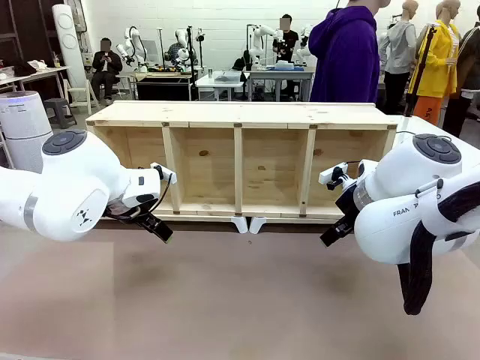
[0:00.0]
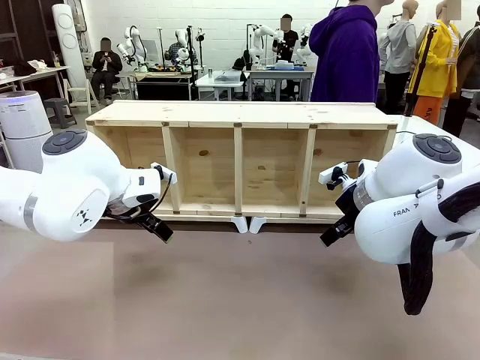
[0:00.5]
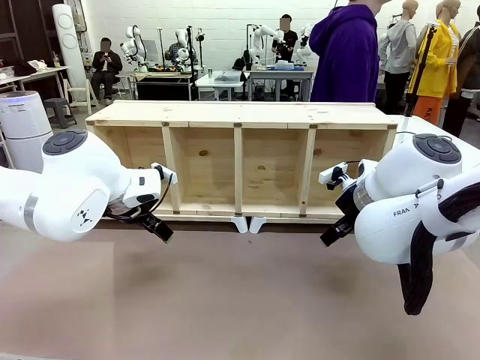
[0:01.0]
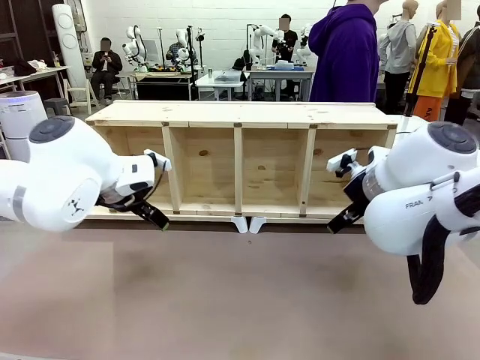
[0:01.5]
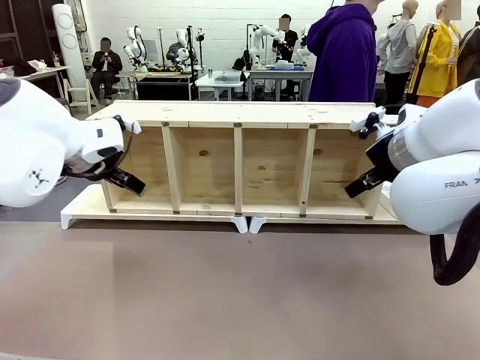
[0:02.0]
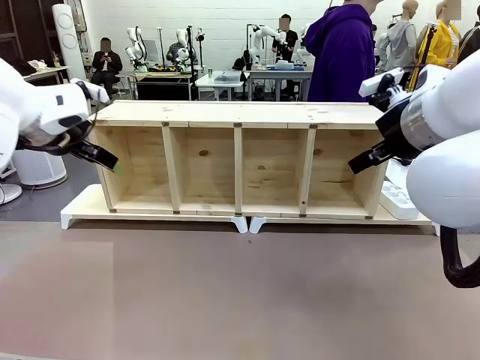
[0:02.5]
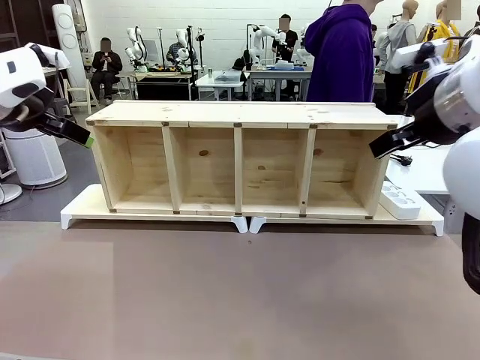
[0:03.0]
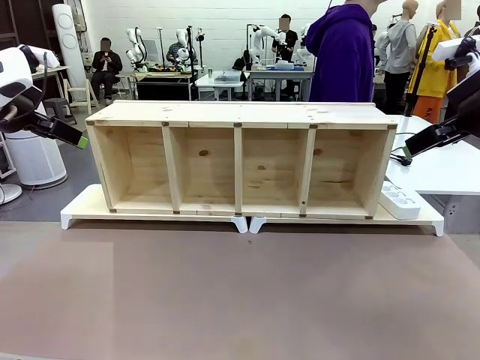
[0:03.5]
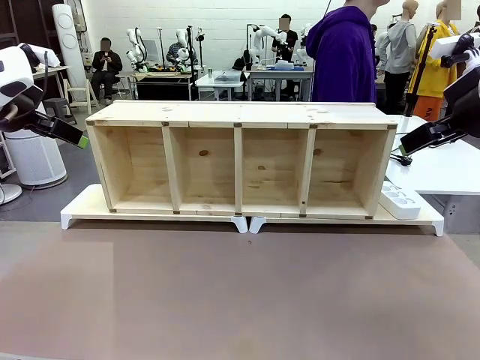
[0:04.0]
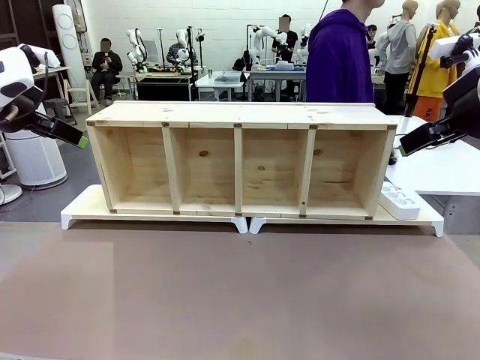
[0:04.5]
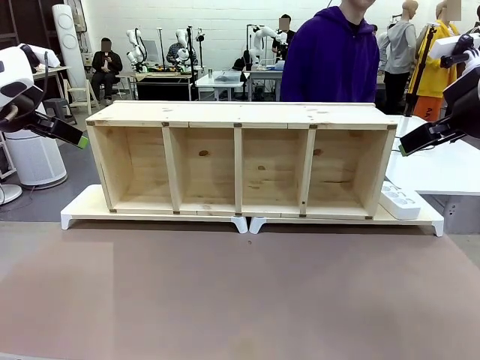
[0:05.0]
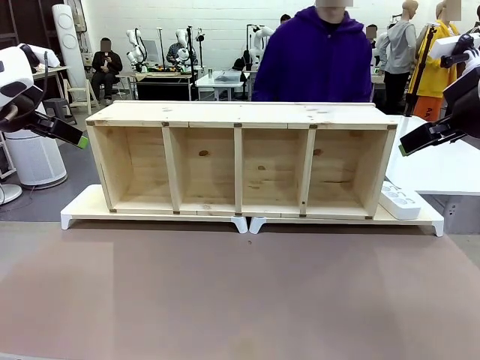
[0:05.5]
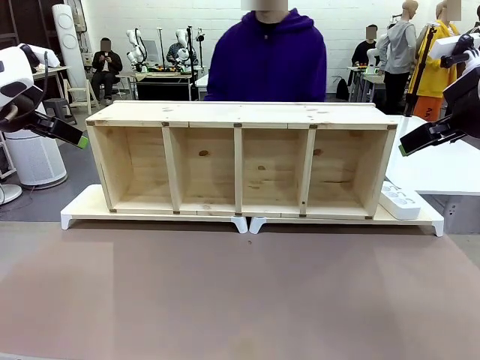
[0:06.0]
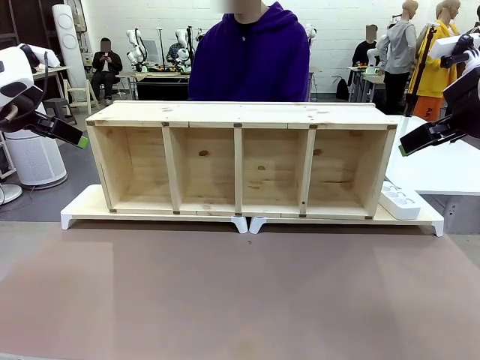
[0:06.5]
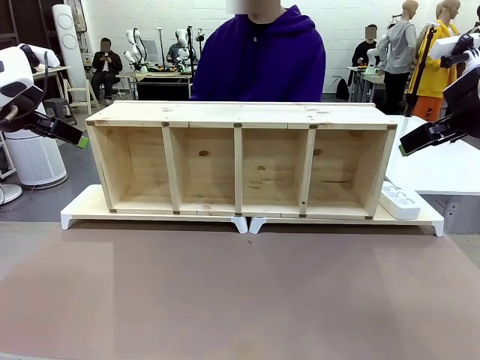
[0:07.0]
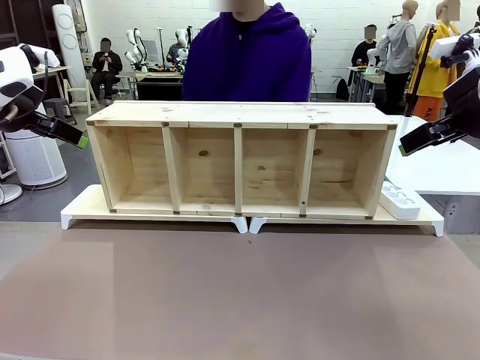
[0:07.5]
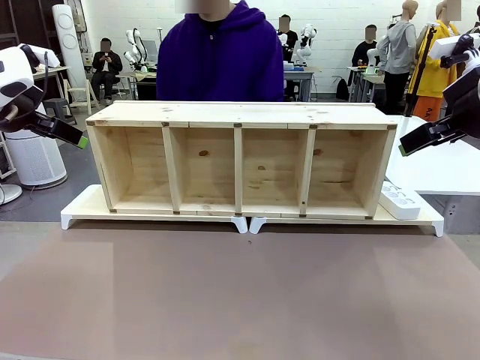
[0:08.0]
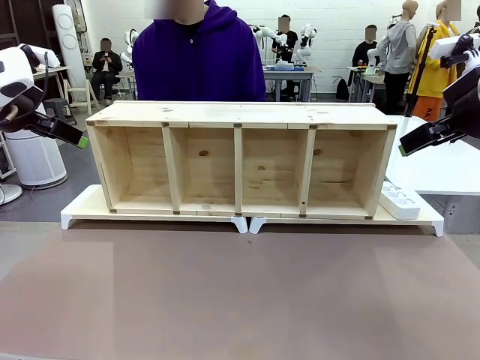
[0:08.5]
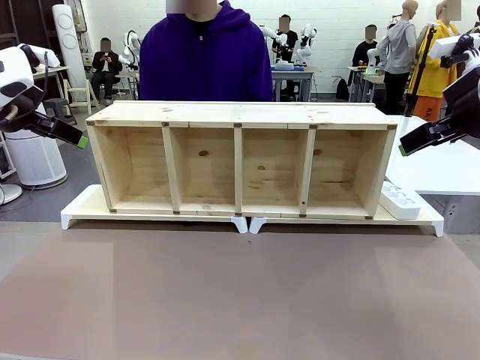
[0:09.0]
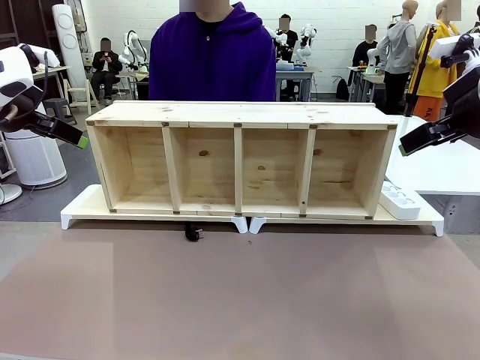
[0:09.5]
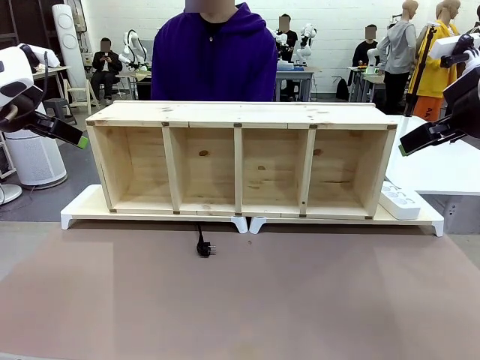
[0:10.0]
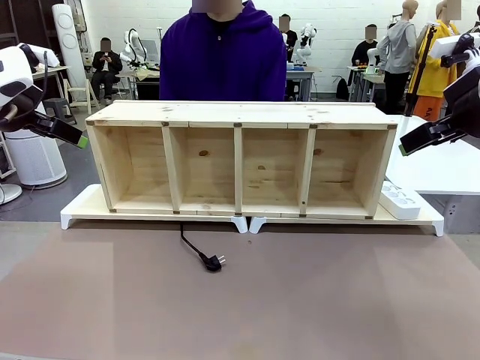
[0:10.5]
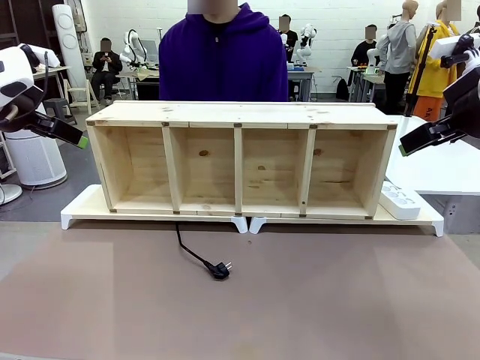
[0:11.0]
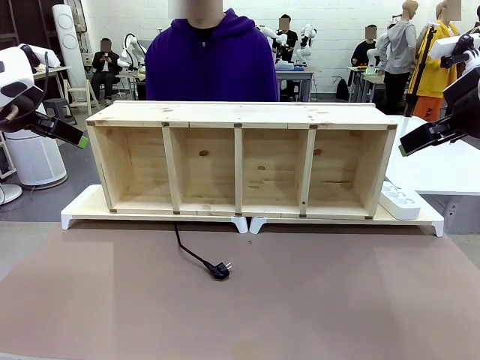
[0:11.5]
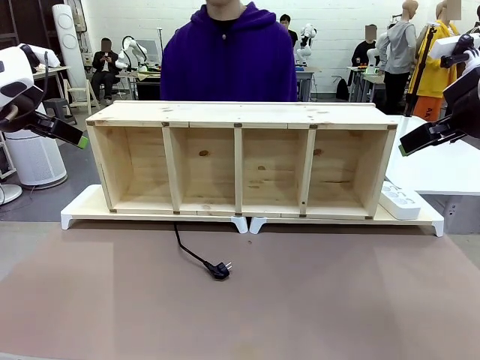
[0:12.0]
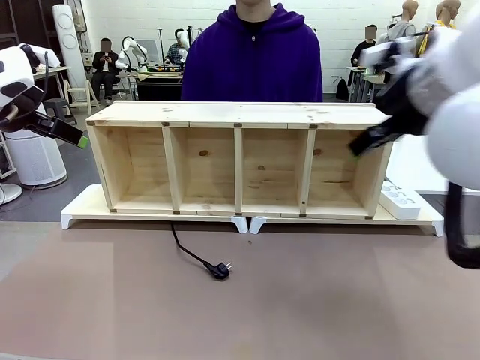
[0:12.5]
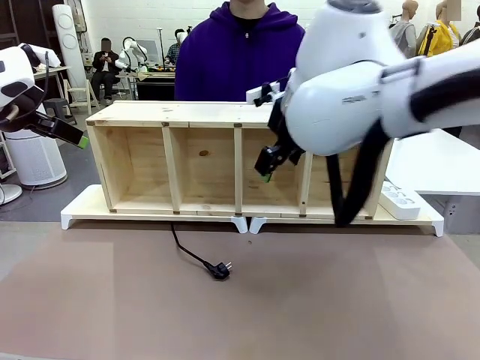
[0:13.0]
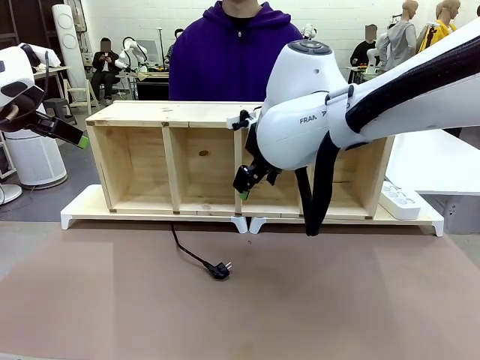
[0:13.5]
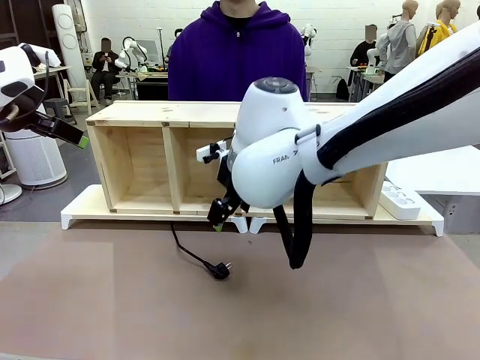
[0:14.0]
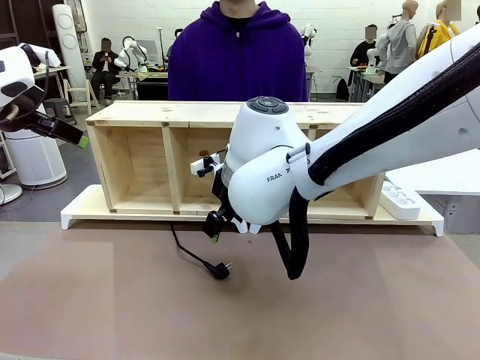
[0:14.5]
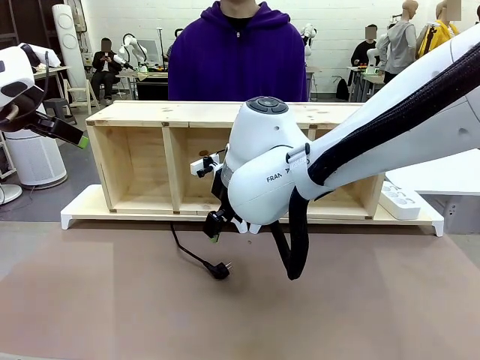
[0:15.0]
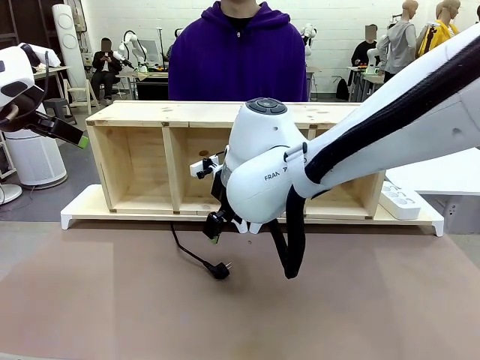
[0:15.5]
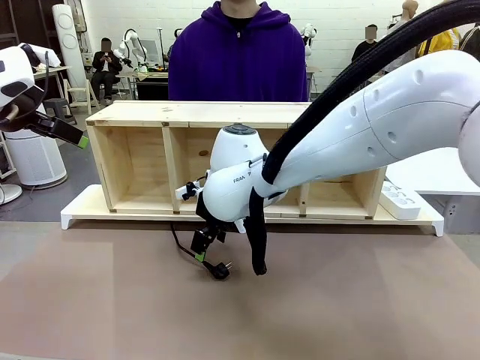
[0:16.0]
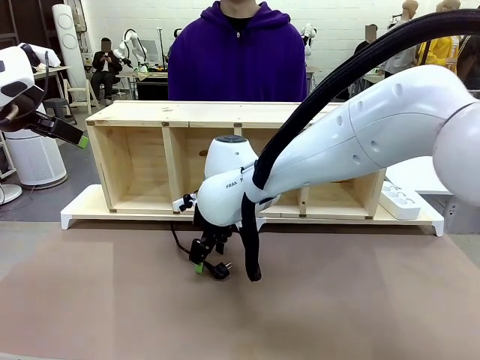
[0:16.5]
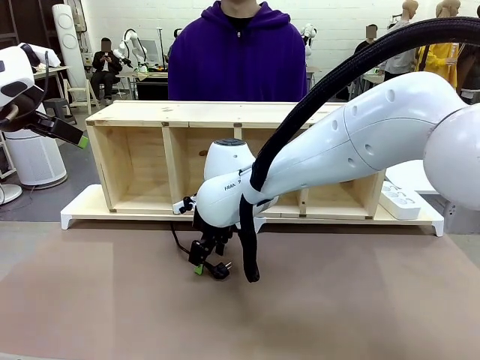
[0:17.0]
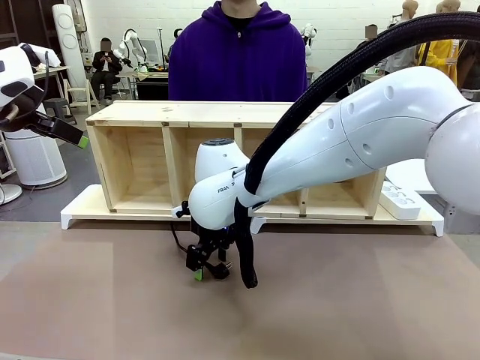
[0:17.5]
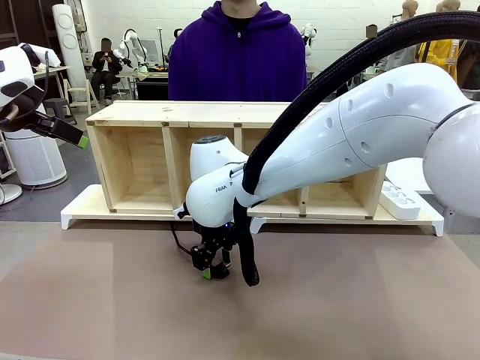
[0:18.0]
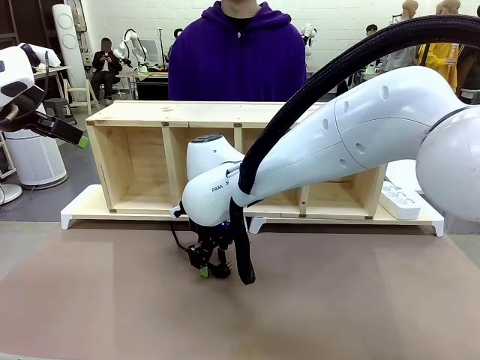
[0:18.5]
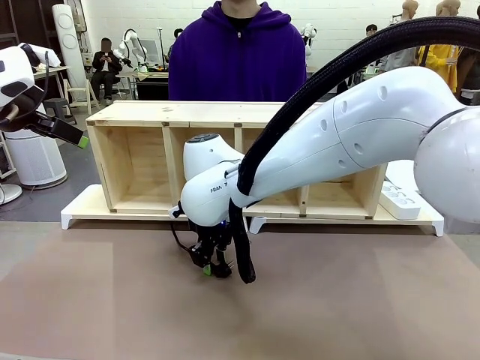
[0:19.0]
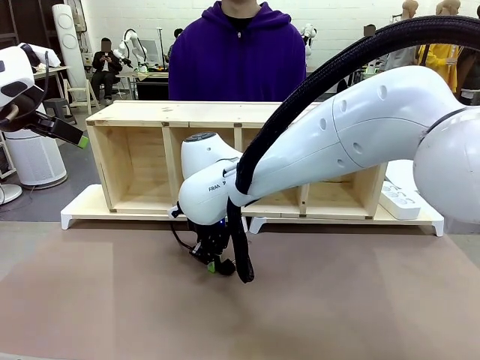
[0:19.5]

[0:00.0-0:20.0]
Task: Perform cable management.
Robot: When the cord part of the Power Cable appears at the lower middle area of the table and stops, grasp the cord part of the Power Cable.
Person: Pass the Power Cable under the Serving Table.

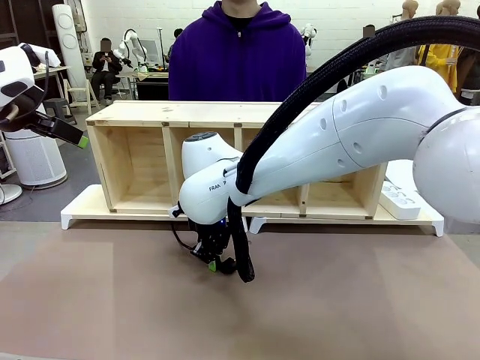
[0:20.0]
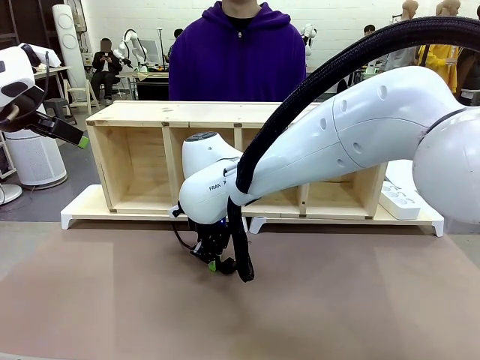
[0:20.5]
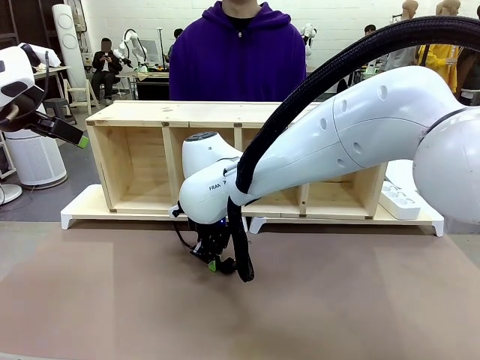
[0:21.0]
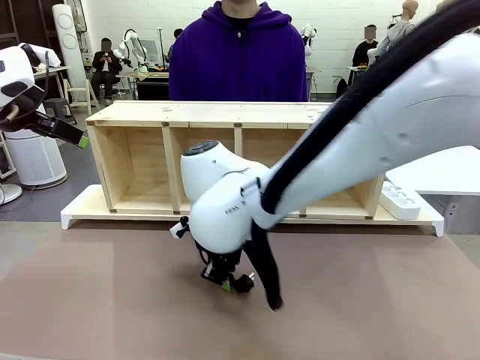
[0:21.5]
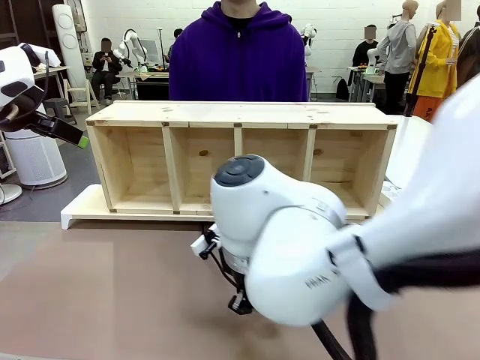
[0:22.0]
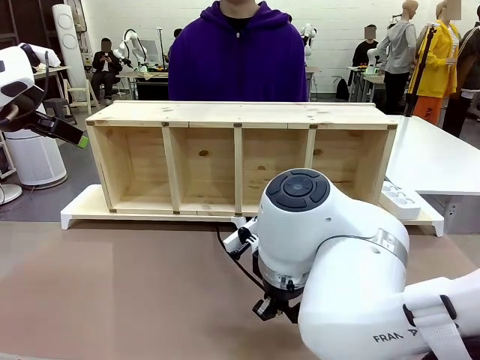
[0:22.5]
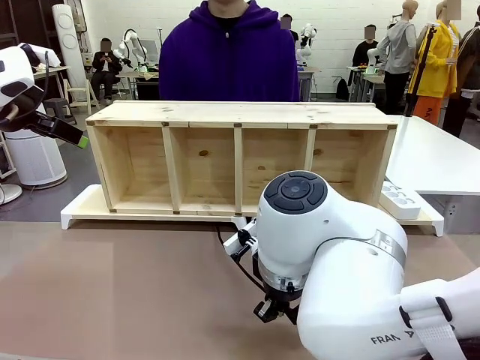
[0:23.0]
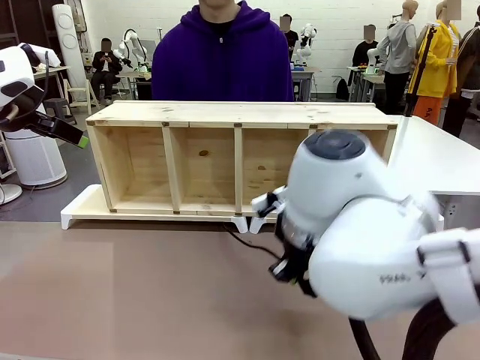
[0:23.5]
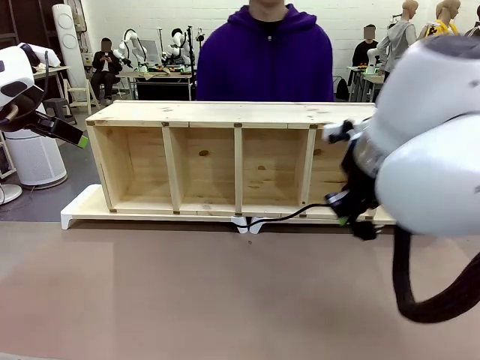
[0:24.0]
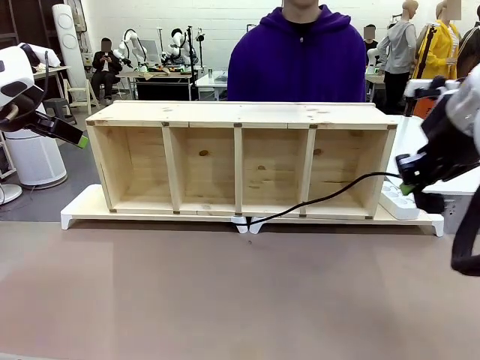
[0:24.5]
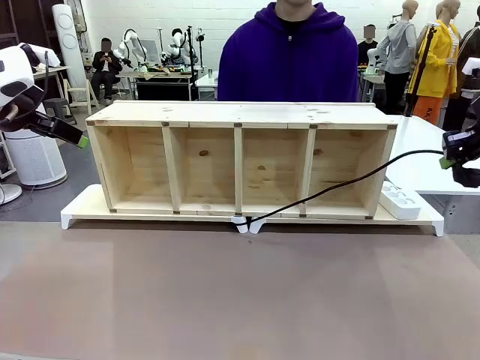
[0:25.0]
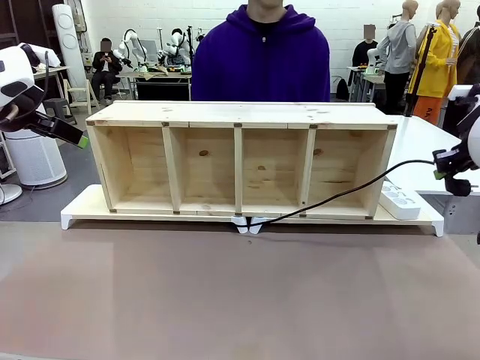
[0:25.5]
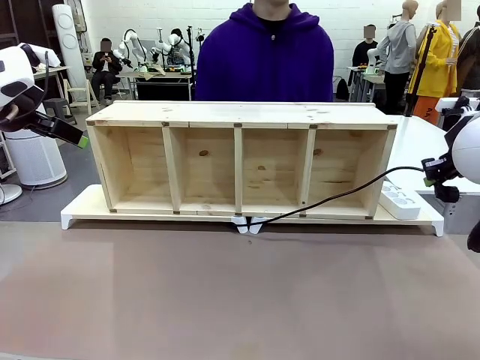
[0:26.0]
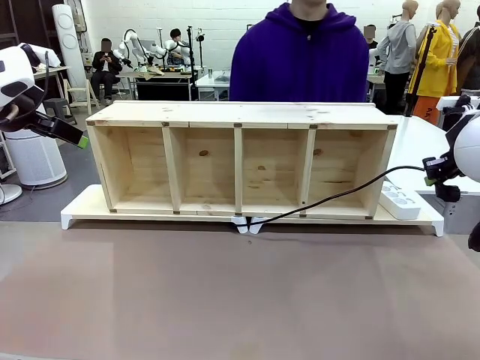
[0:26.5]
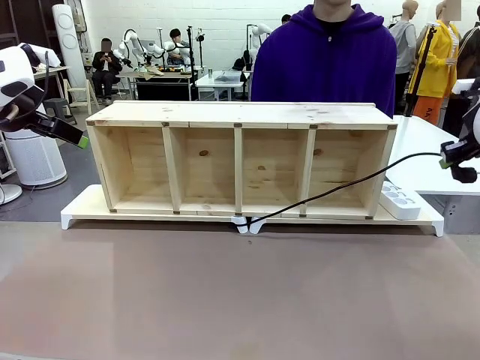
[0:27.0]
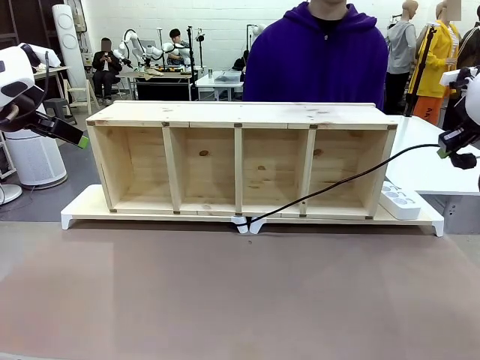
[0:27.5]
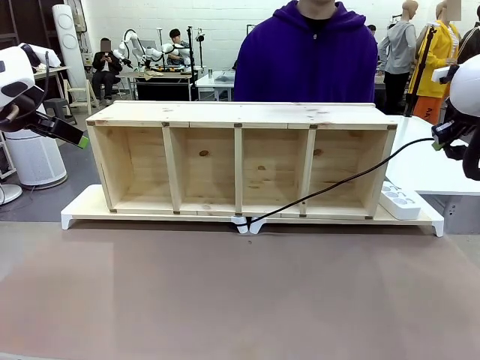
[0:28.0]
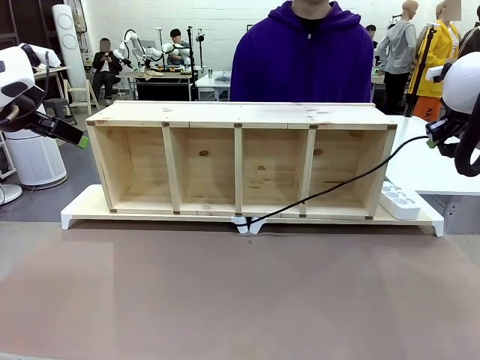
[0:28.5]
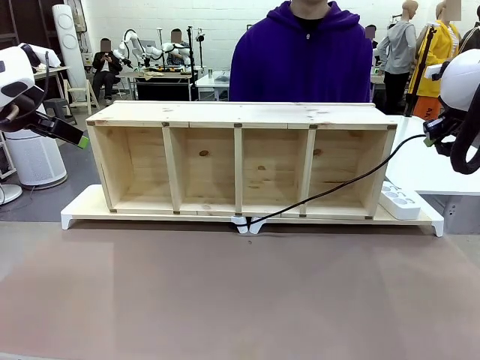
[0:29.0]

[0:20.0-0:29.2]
Robot: Pull the grasped Power Cable to the location of the Power Strip.
